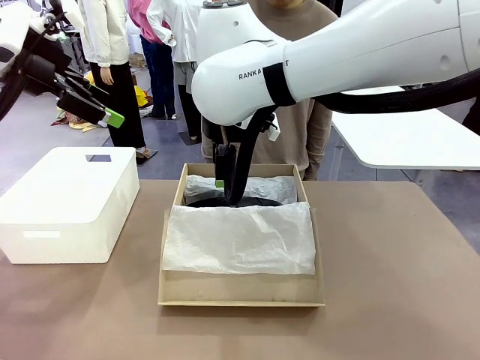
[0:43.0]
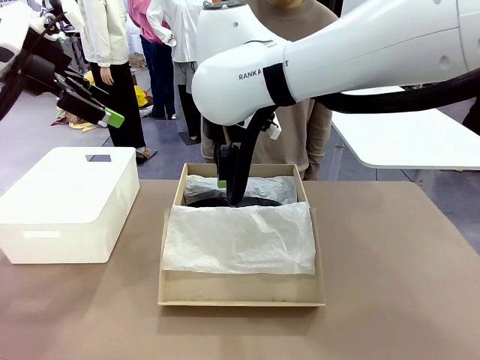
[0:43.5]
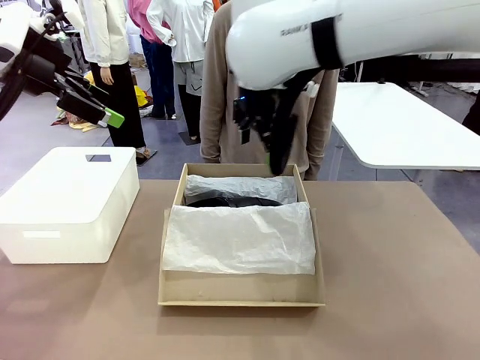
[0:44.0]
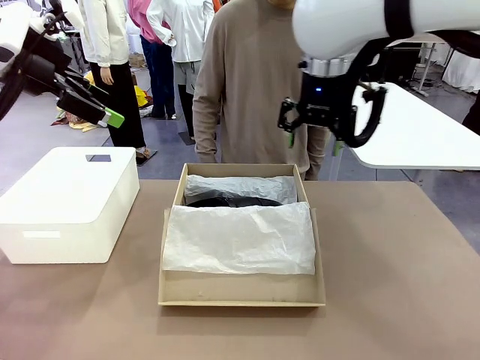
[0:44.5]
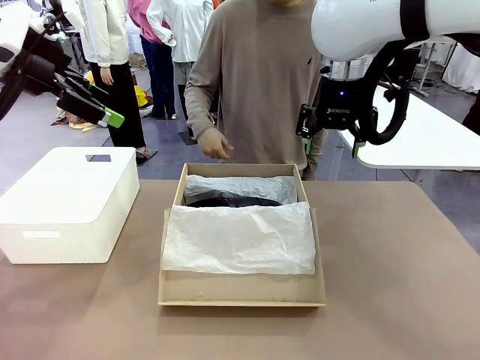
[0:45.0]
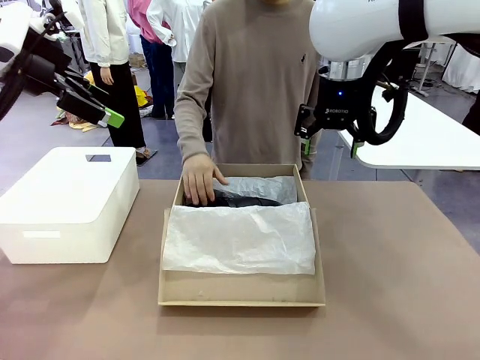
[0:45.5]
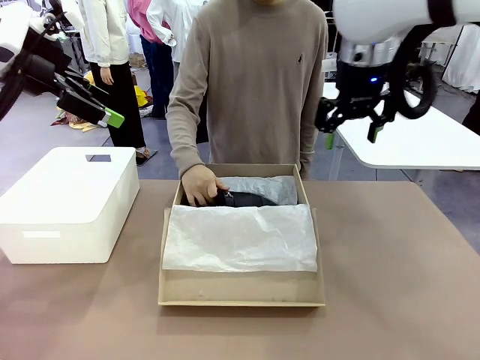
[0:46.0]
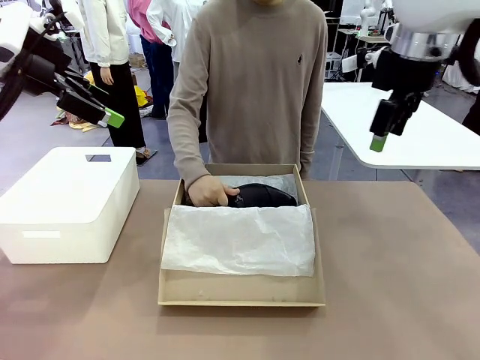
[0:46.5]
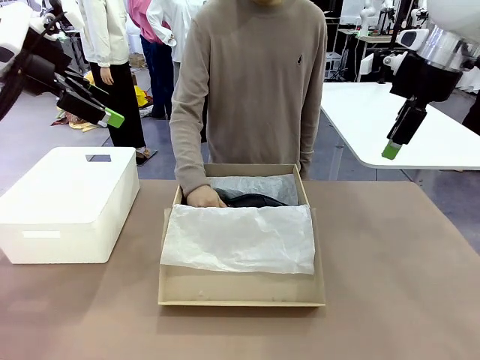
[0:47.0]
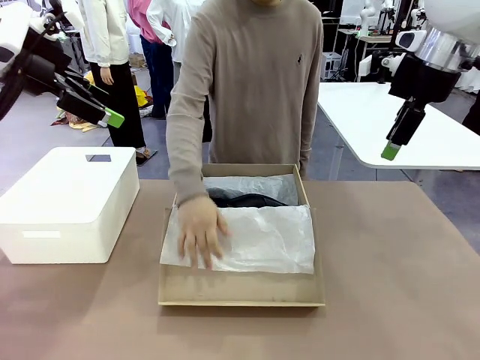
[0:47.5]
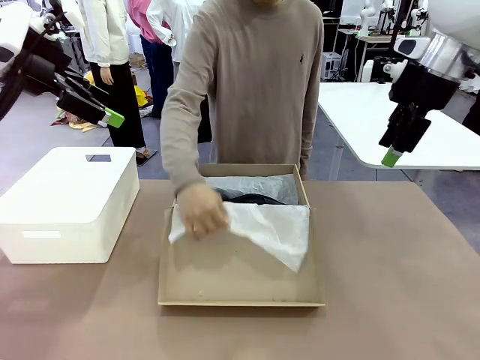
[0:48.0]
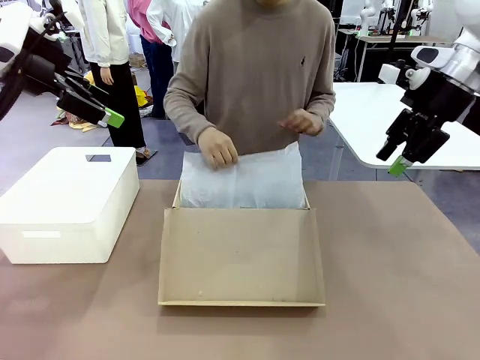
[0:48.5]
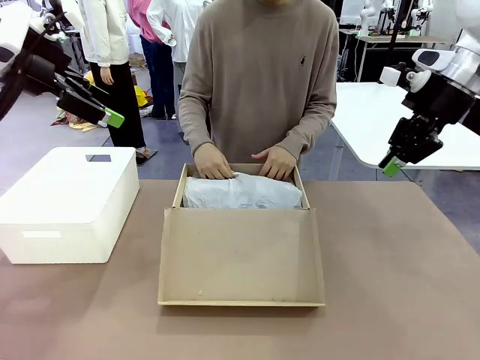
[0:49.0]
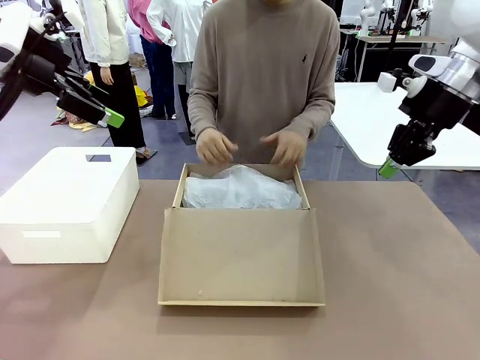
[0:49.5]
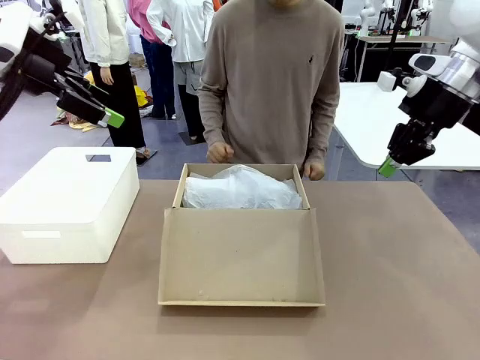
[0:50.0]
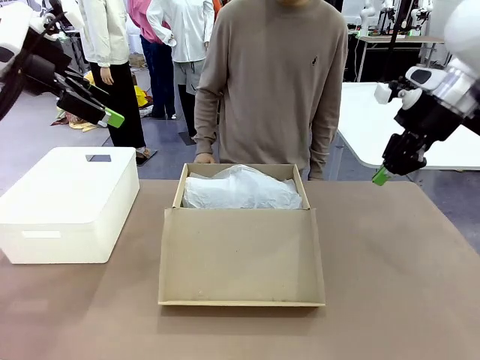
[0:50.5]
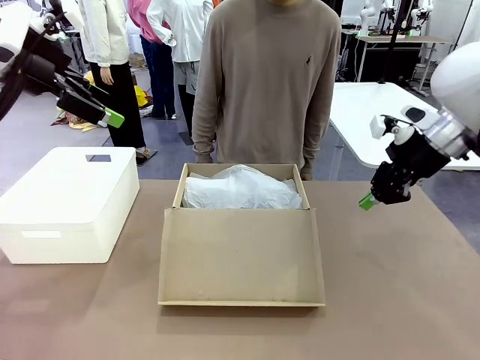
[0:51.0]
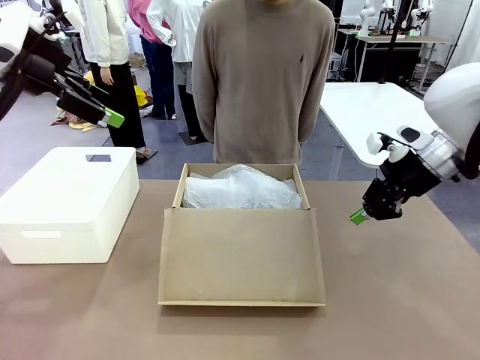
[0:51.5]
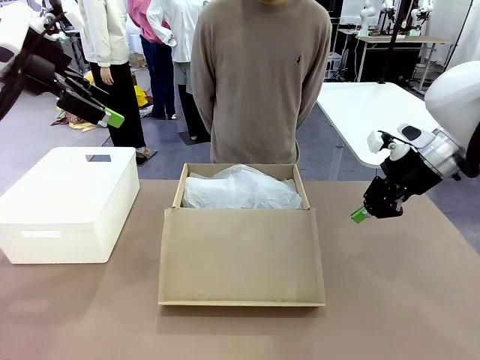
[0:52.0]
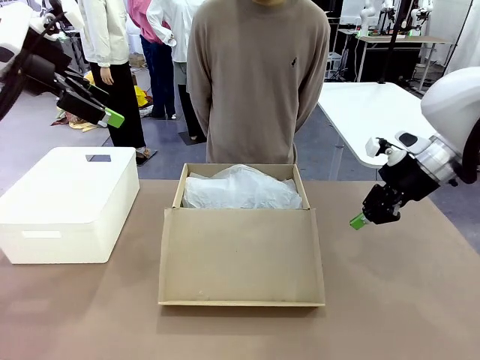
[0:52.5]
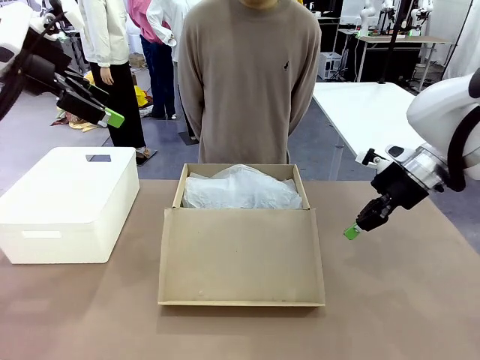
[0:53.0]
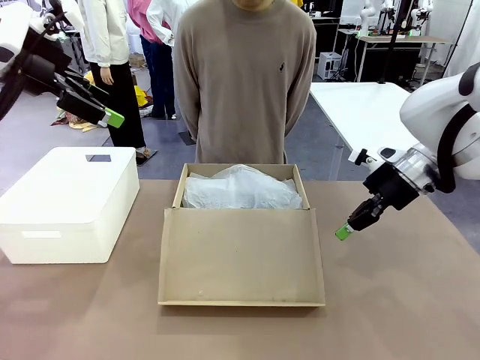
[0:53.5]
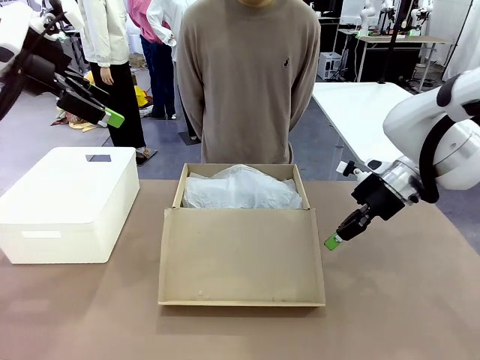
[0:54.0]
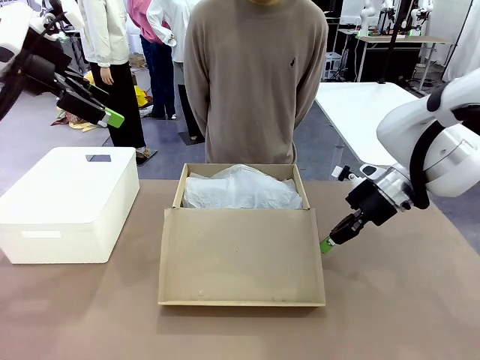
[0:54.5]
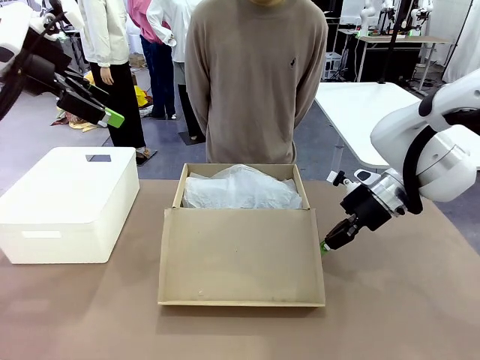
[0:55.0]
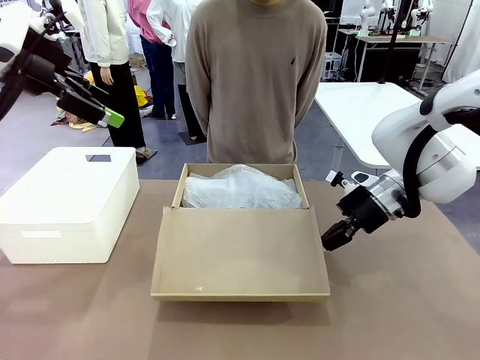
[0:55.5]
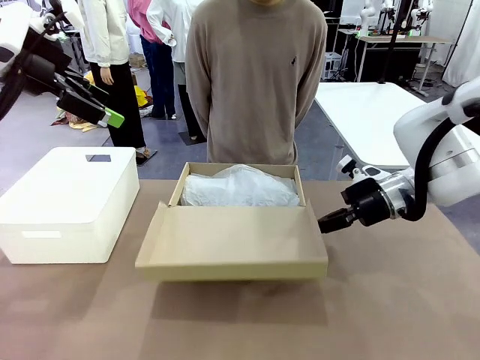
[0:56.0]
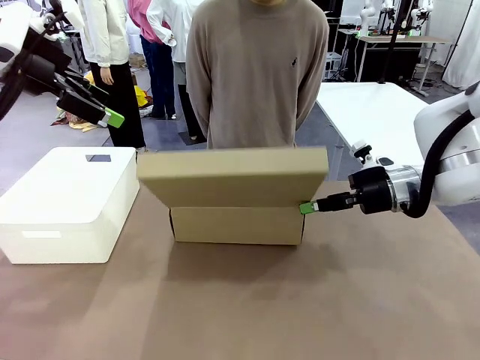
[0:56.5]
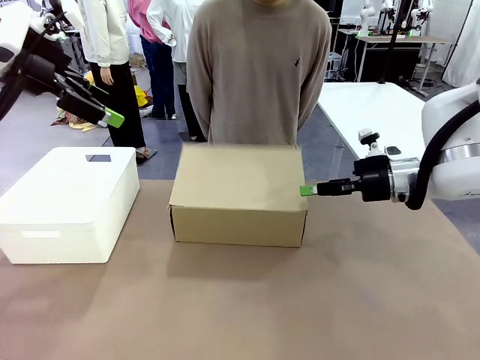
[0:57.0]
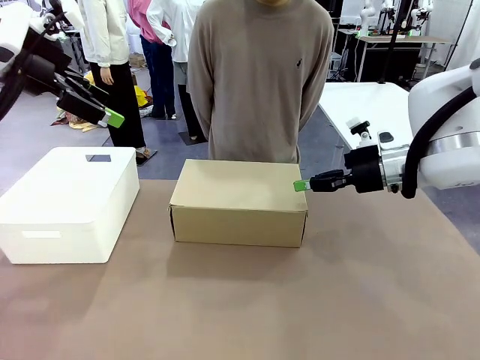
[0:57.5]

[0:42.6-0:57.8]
Task: Pack the shoes into the box.
Robot: Close the Shoes Box.

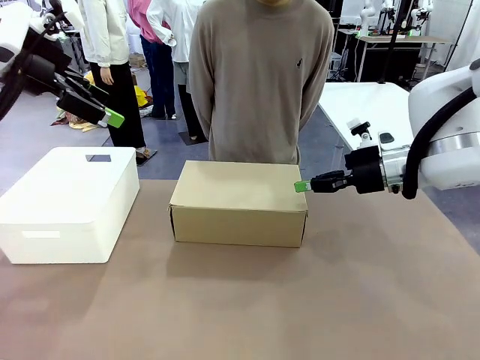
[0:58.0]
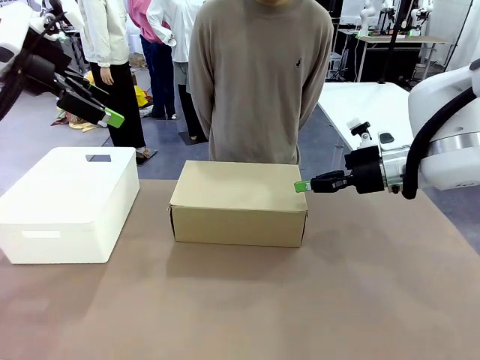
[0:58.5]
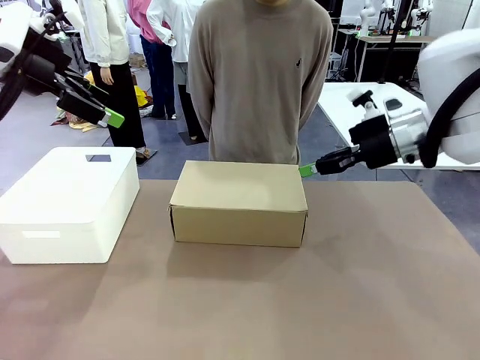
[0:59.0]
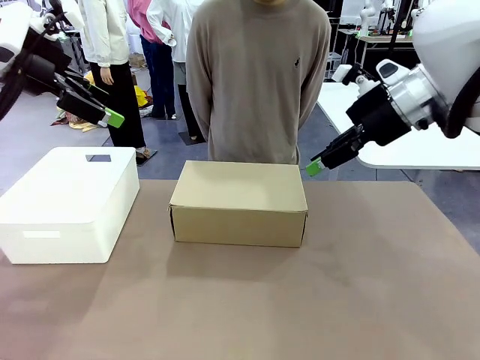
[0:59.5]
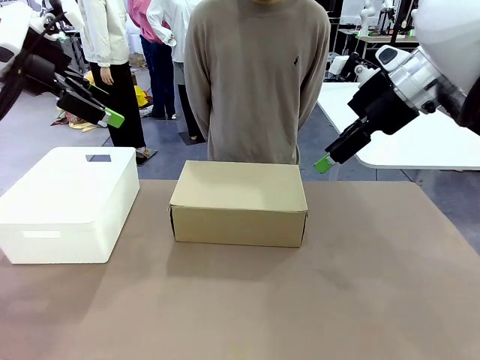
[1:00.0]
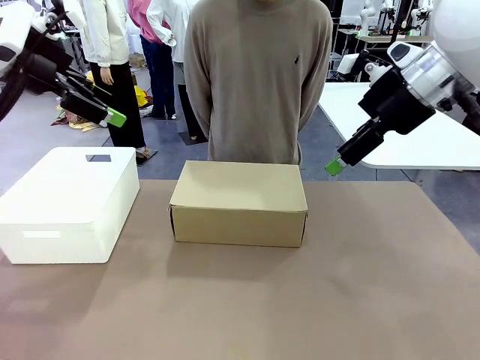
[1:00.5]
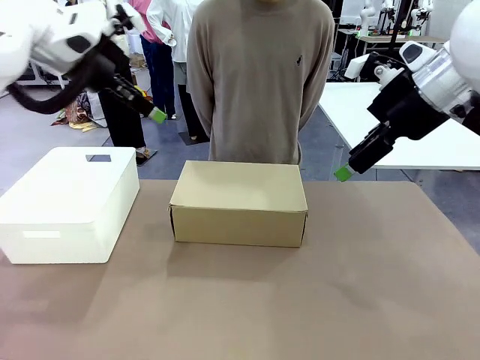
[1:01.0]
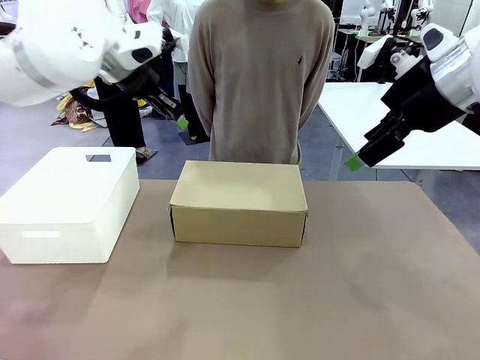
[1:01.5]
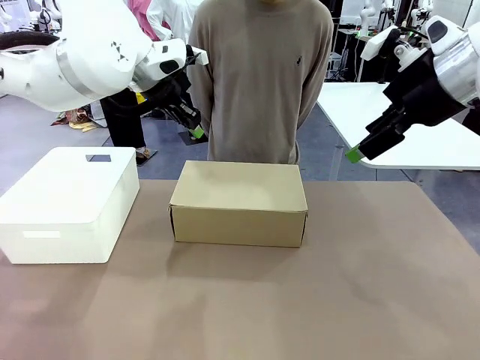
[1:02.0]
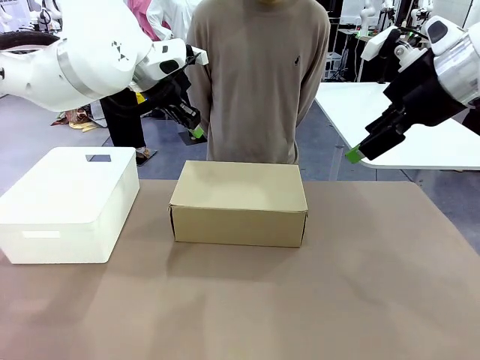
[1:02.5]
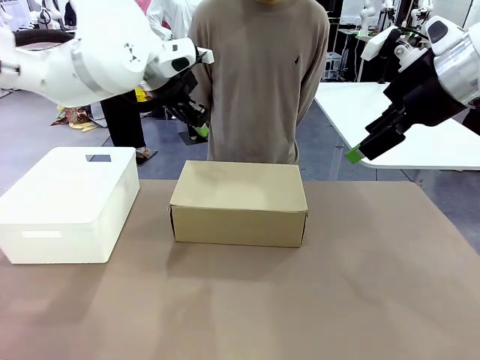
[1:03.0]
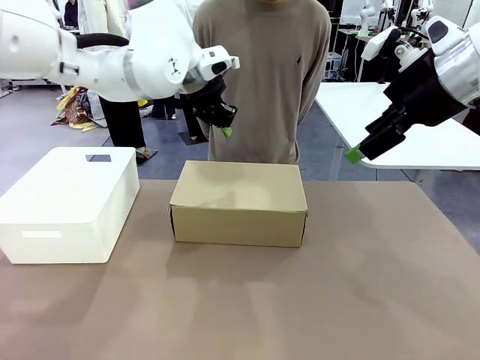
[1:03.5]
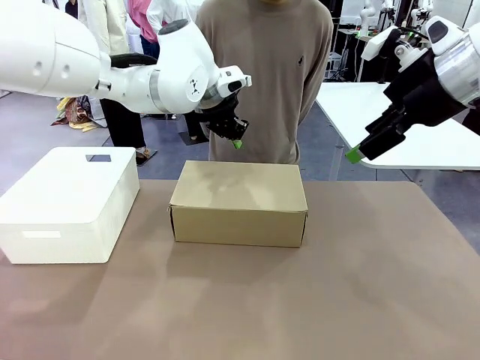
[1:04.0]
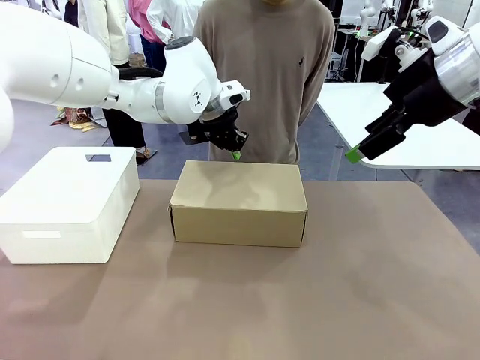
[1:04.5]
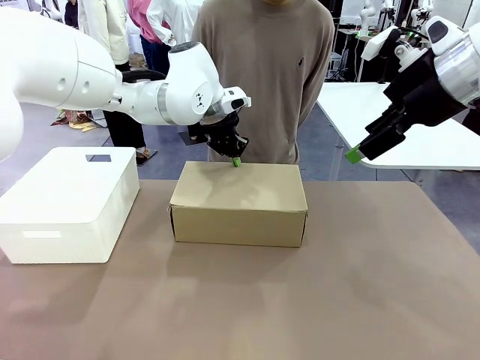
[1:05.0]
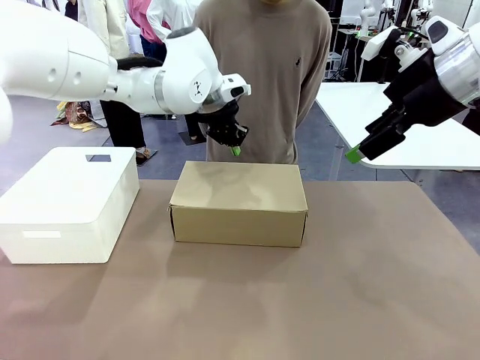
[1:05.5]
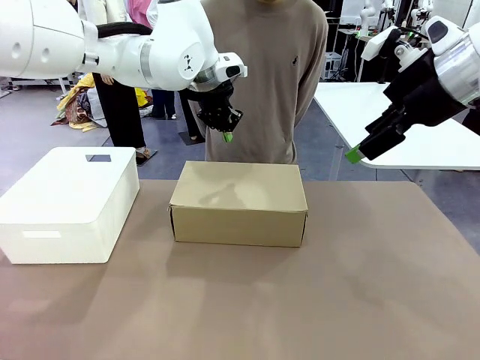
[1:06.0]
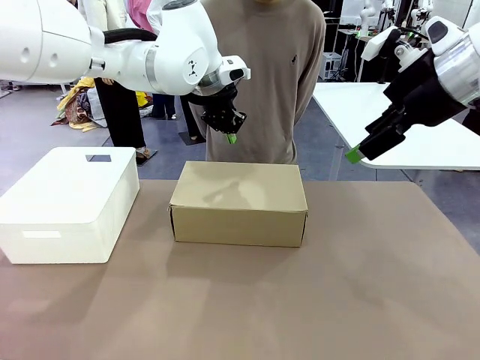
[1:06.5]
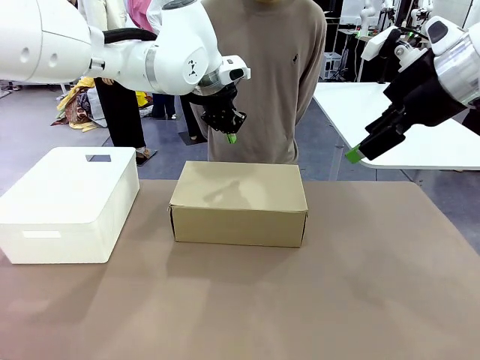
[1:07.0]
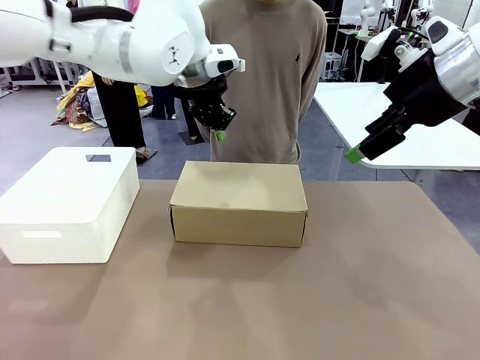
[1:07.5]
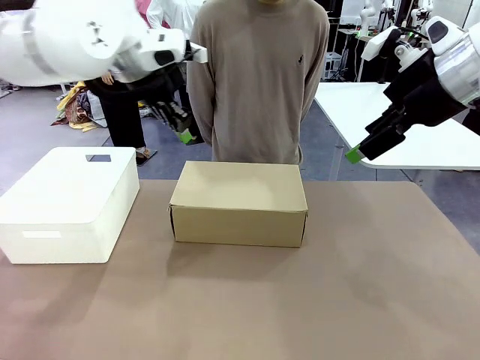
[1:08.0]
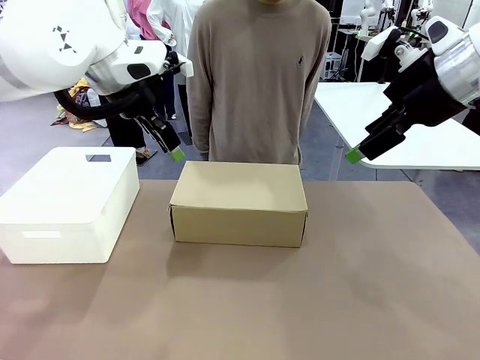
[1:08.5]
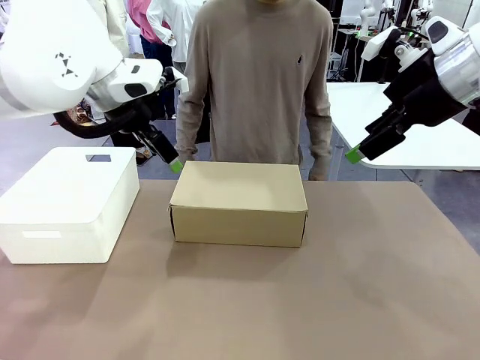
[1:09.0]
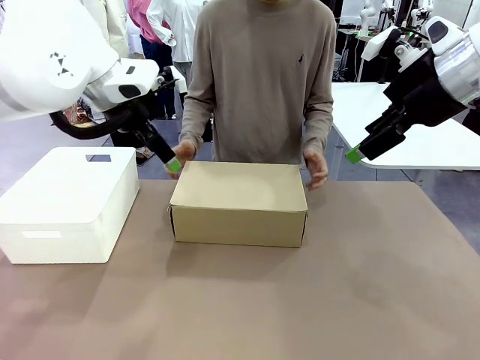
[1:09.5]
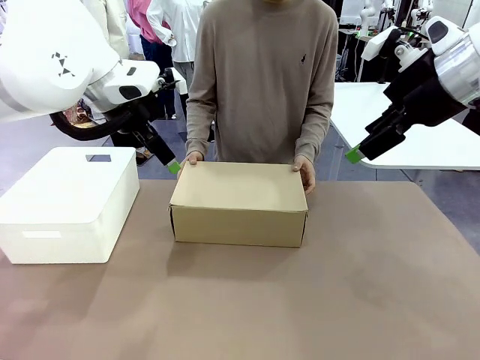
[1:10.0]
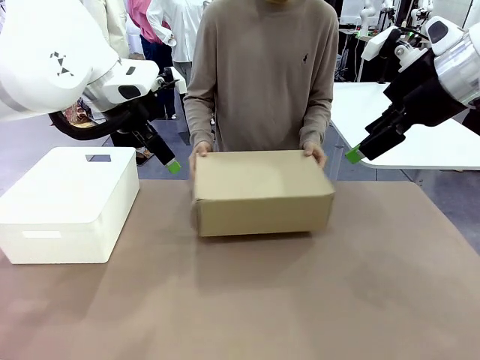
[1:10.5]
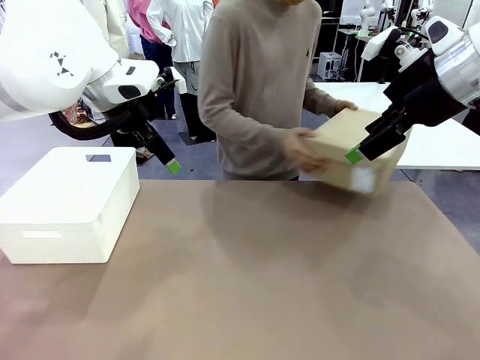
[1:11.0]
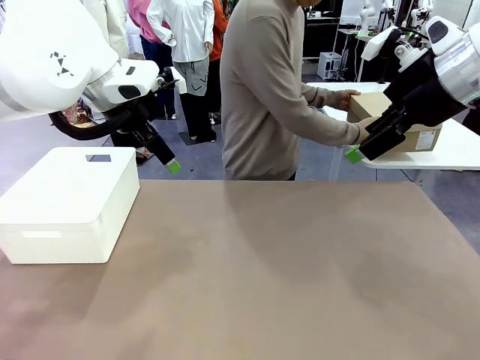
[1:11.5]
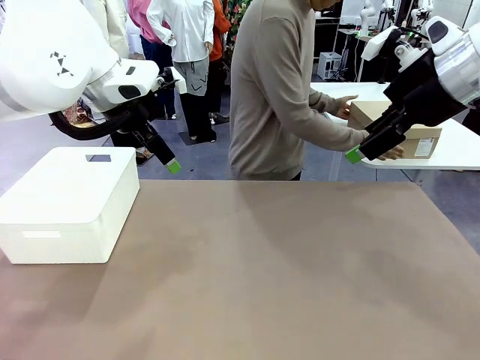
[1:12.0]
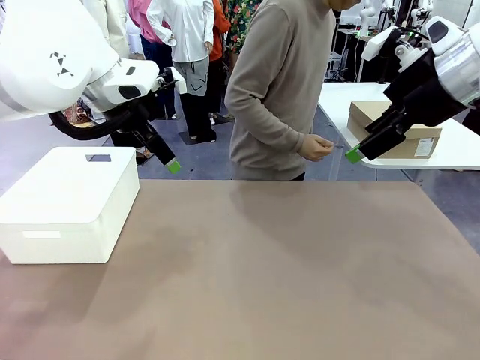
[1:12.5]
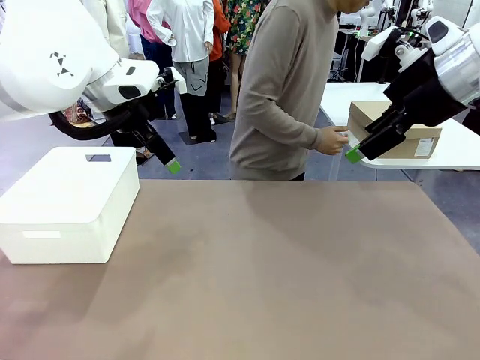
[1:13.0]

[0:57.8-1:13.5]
Robot: Press down on the lid of the Shoes Box.
Person: Place the closed Shoes Box to the right side of the human table.
